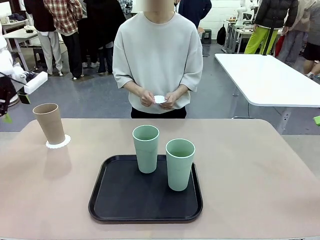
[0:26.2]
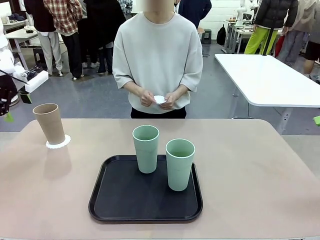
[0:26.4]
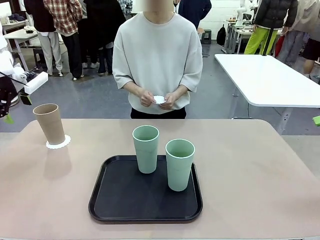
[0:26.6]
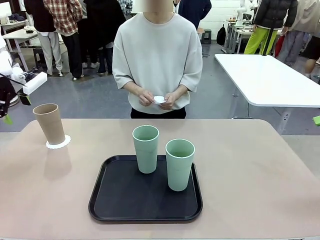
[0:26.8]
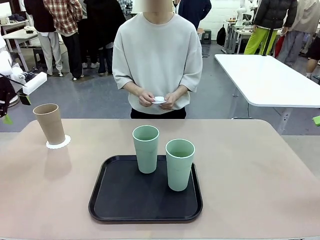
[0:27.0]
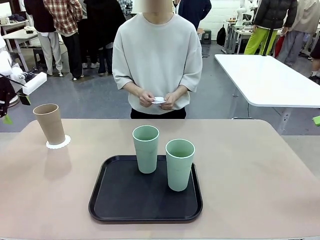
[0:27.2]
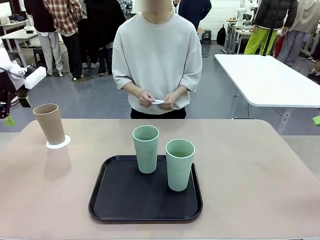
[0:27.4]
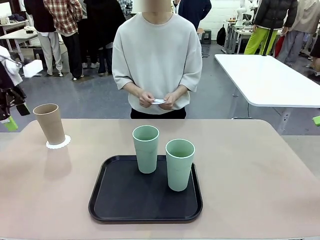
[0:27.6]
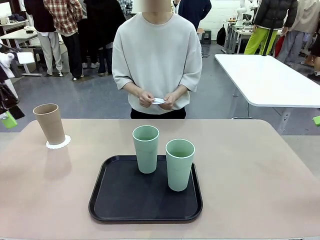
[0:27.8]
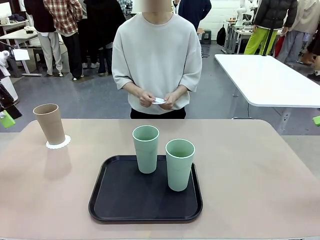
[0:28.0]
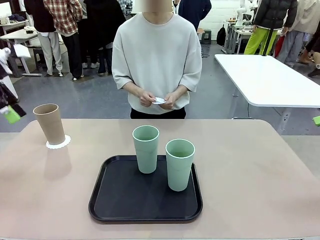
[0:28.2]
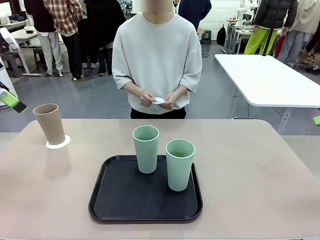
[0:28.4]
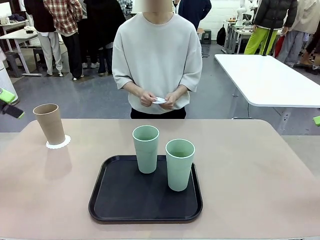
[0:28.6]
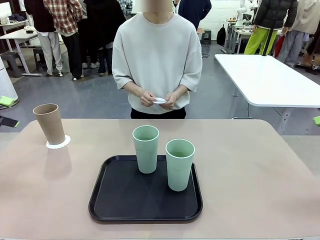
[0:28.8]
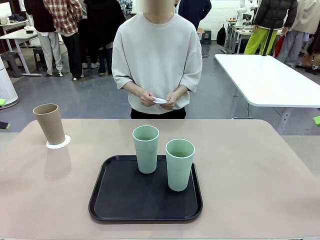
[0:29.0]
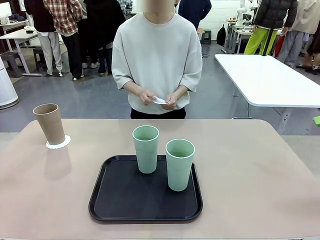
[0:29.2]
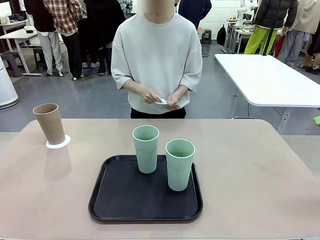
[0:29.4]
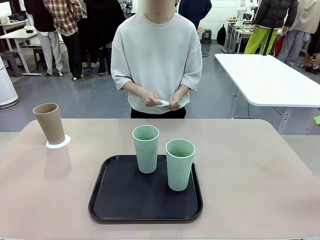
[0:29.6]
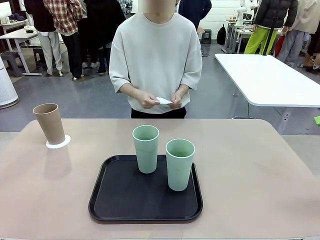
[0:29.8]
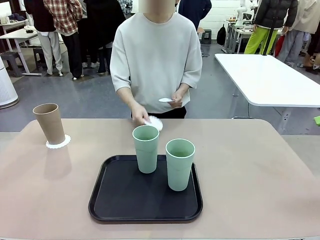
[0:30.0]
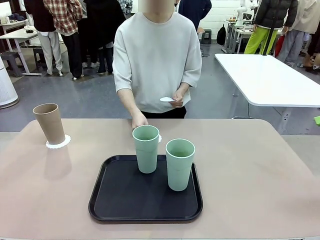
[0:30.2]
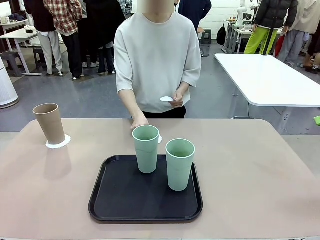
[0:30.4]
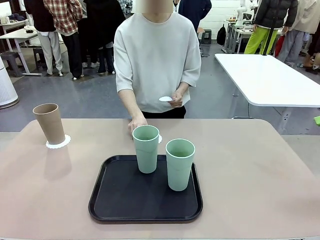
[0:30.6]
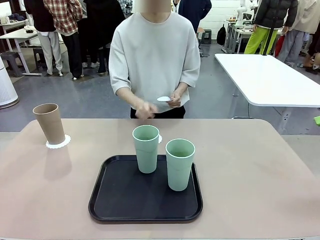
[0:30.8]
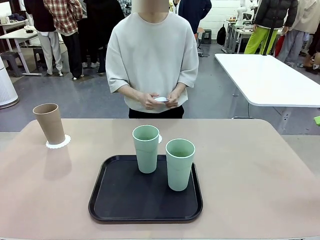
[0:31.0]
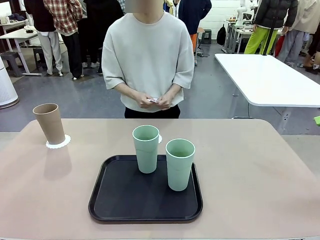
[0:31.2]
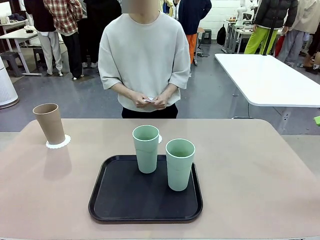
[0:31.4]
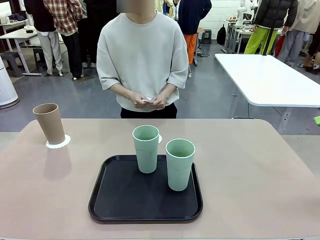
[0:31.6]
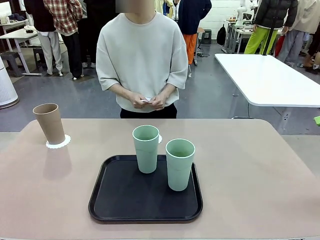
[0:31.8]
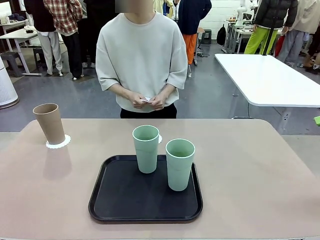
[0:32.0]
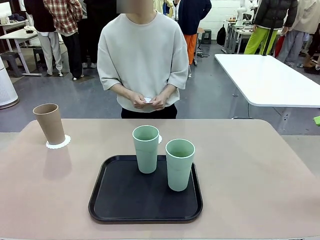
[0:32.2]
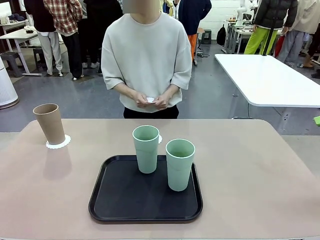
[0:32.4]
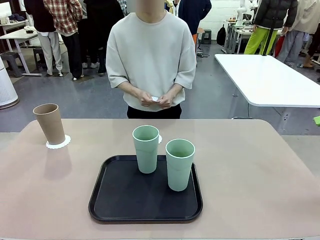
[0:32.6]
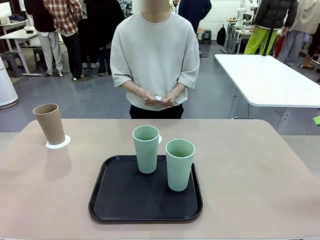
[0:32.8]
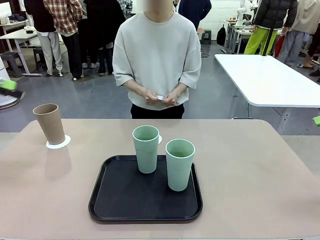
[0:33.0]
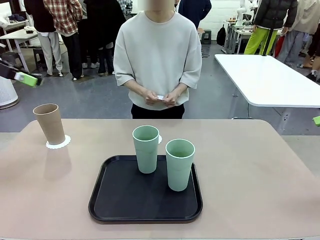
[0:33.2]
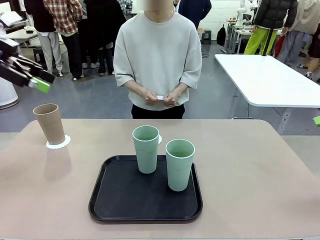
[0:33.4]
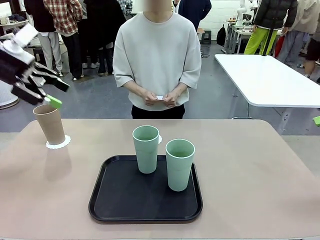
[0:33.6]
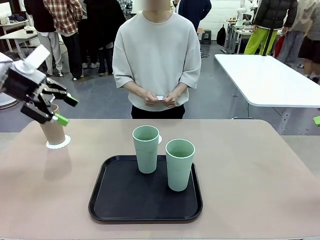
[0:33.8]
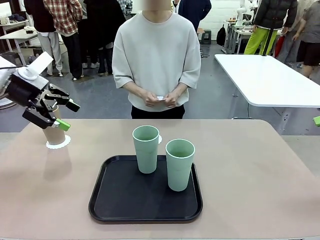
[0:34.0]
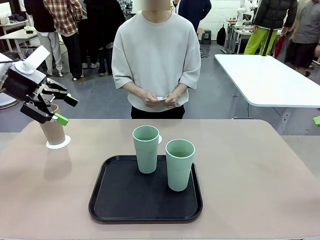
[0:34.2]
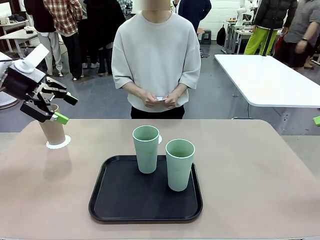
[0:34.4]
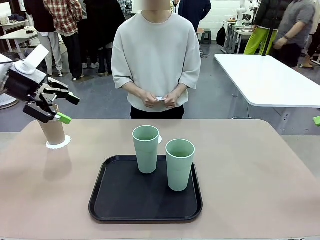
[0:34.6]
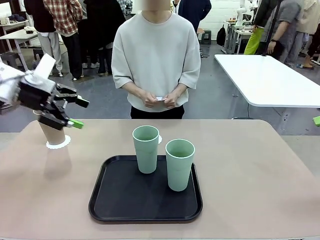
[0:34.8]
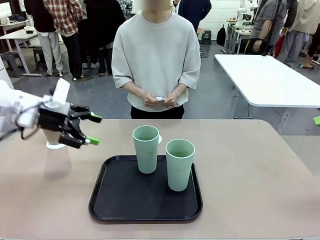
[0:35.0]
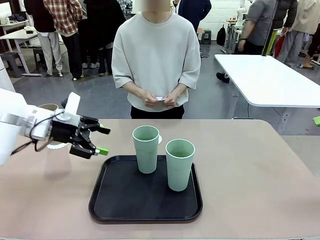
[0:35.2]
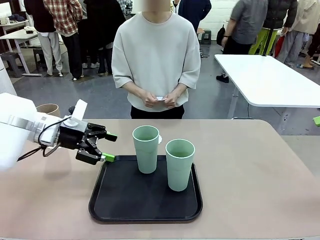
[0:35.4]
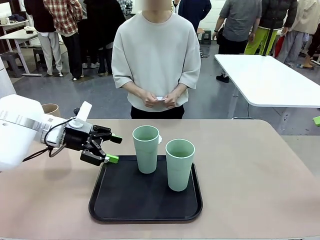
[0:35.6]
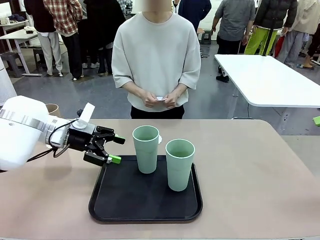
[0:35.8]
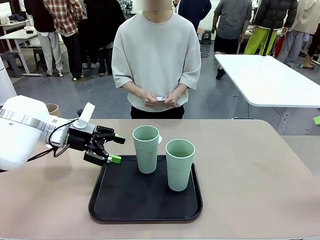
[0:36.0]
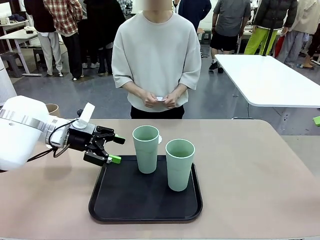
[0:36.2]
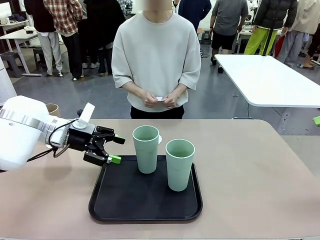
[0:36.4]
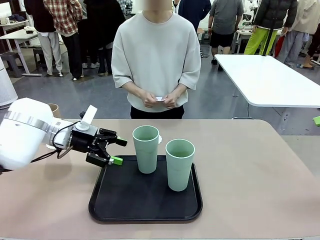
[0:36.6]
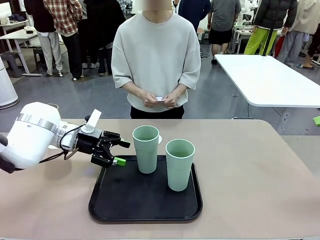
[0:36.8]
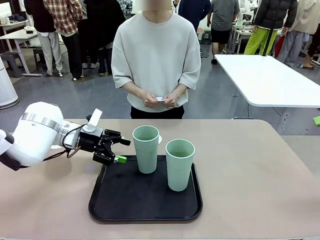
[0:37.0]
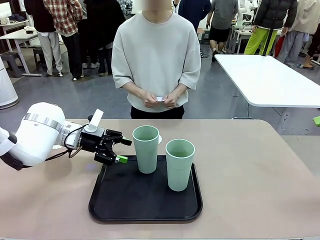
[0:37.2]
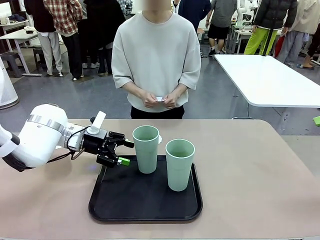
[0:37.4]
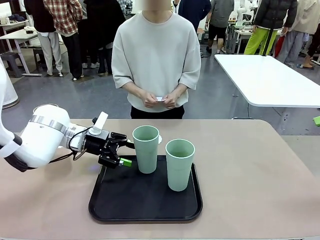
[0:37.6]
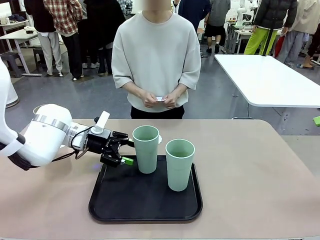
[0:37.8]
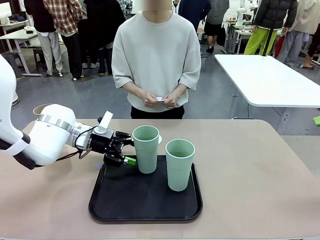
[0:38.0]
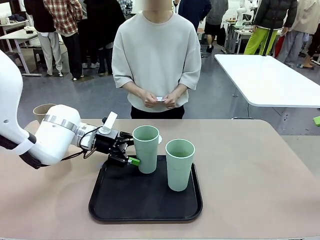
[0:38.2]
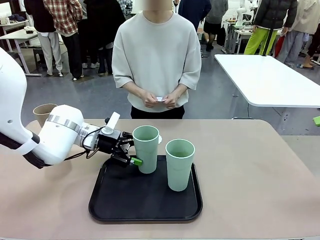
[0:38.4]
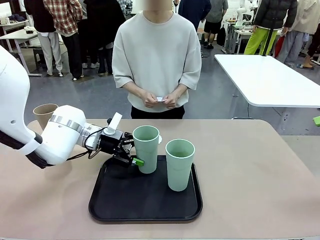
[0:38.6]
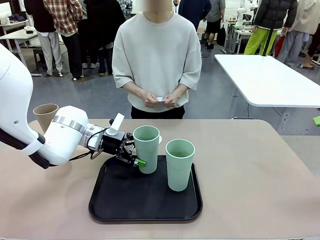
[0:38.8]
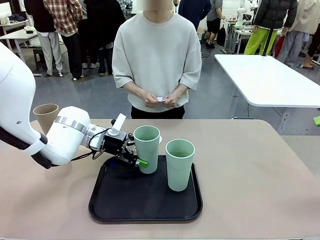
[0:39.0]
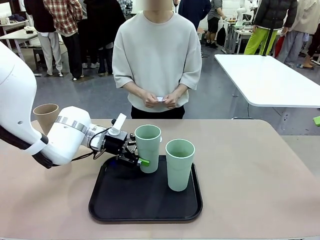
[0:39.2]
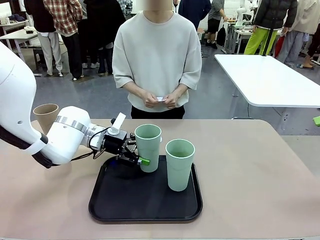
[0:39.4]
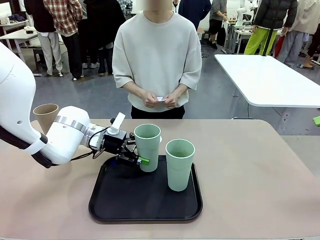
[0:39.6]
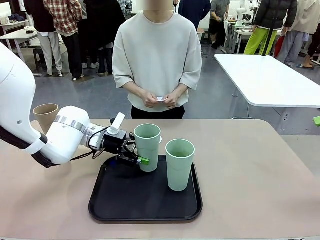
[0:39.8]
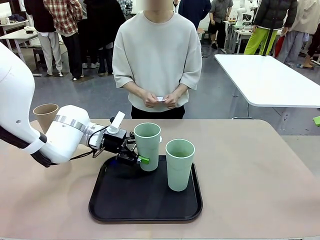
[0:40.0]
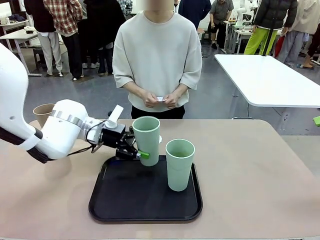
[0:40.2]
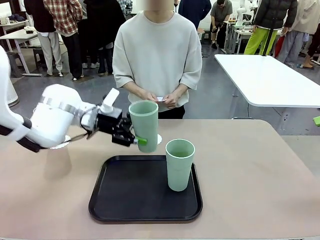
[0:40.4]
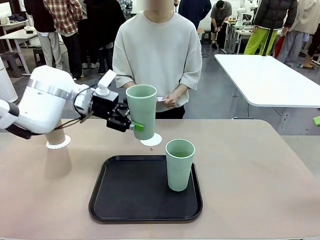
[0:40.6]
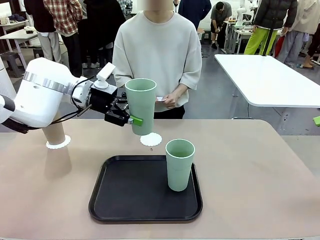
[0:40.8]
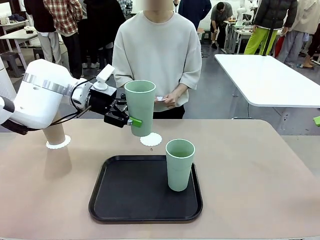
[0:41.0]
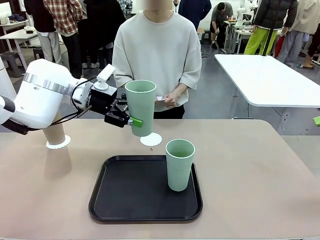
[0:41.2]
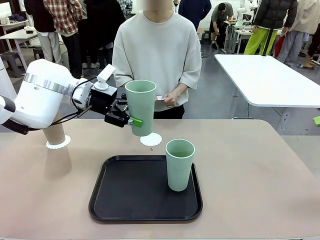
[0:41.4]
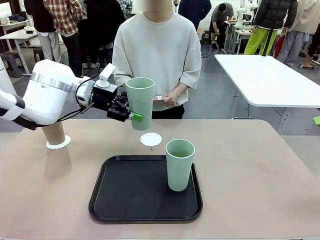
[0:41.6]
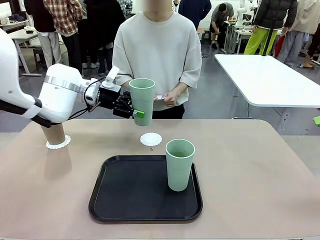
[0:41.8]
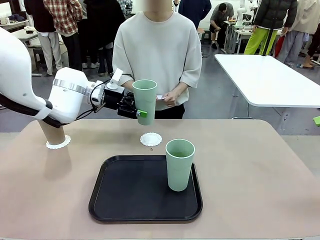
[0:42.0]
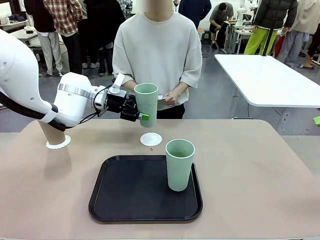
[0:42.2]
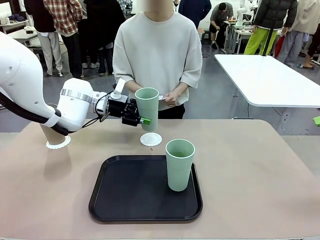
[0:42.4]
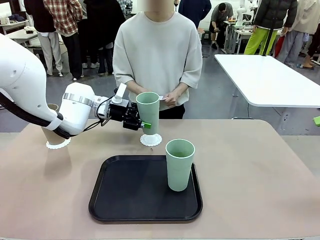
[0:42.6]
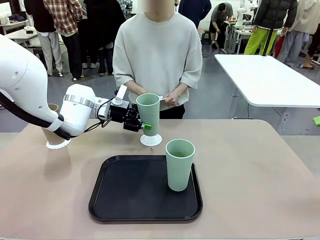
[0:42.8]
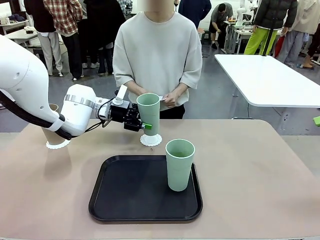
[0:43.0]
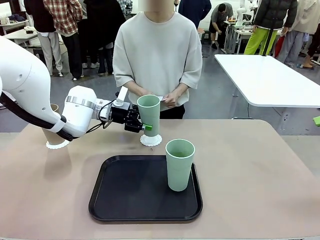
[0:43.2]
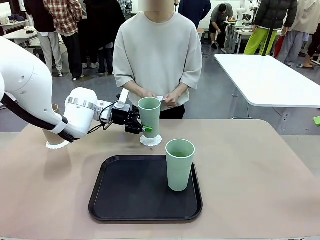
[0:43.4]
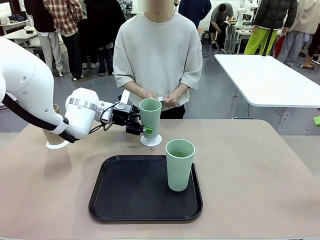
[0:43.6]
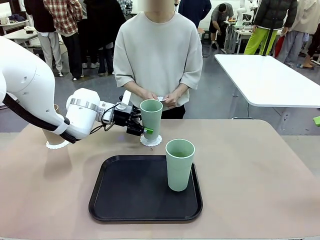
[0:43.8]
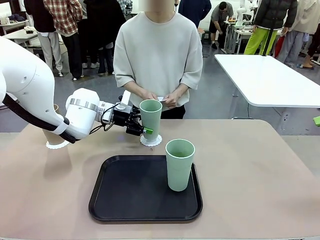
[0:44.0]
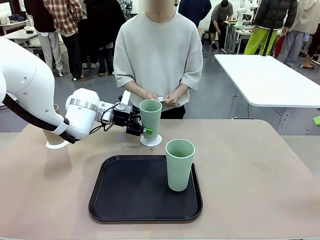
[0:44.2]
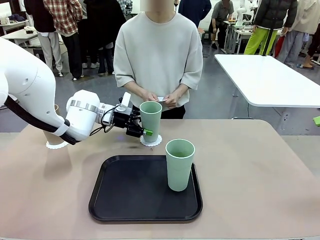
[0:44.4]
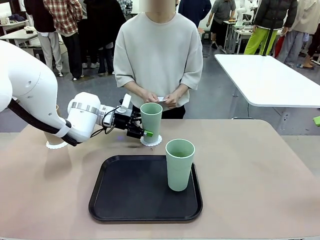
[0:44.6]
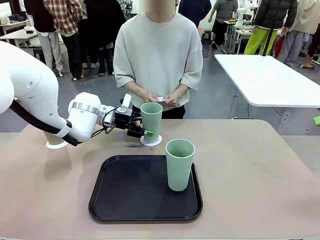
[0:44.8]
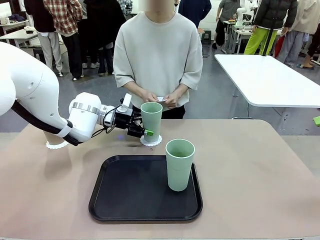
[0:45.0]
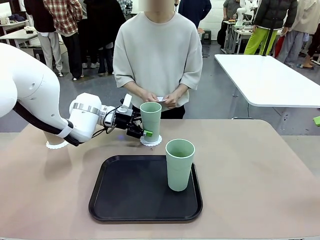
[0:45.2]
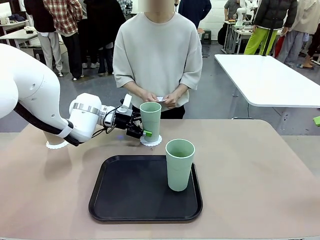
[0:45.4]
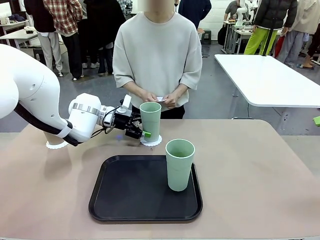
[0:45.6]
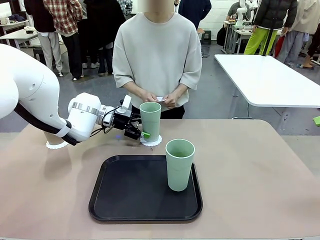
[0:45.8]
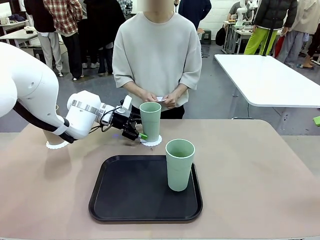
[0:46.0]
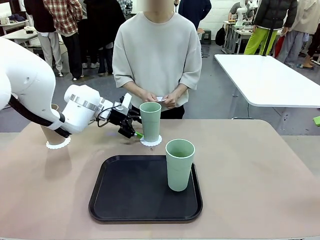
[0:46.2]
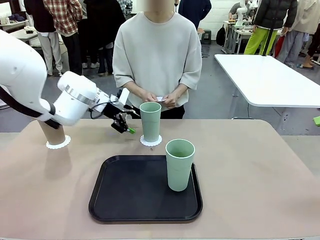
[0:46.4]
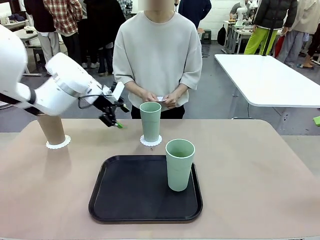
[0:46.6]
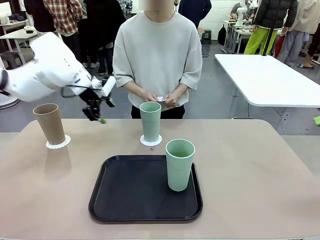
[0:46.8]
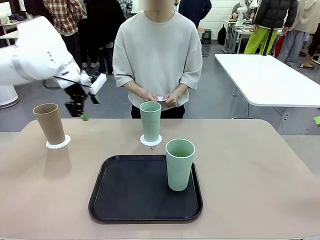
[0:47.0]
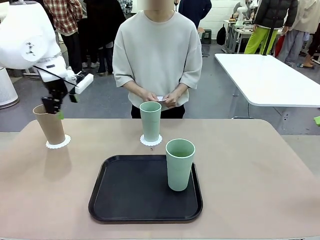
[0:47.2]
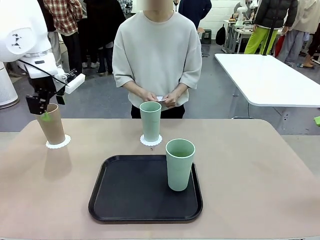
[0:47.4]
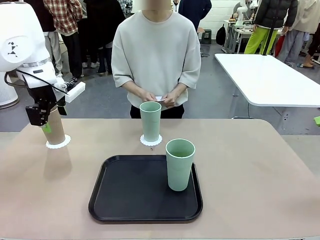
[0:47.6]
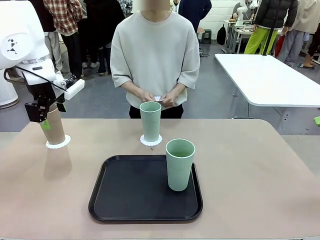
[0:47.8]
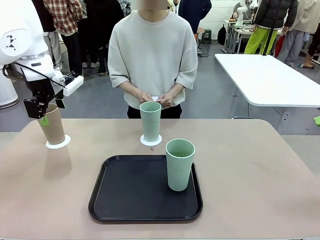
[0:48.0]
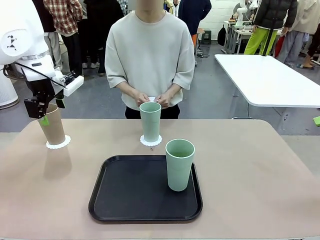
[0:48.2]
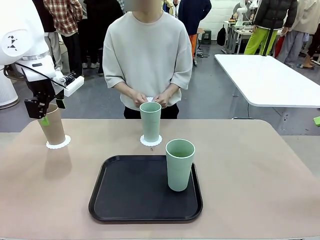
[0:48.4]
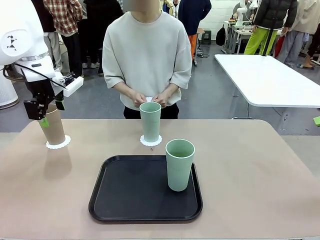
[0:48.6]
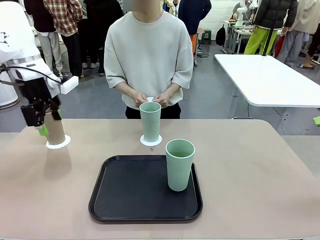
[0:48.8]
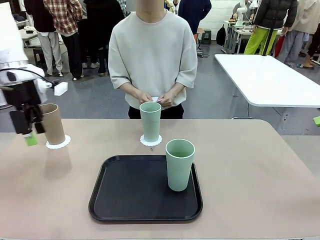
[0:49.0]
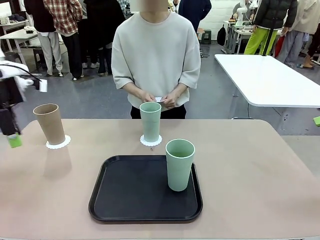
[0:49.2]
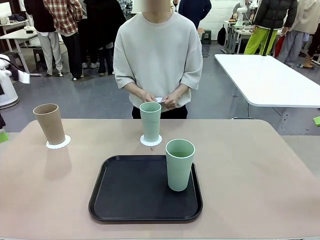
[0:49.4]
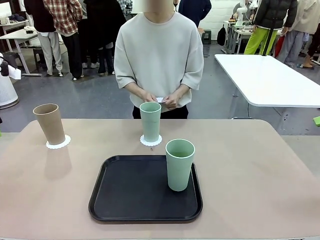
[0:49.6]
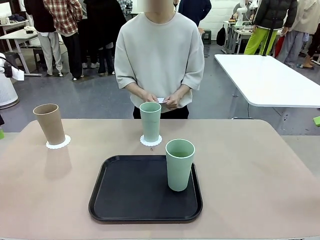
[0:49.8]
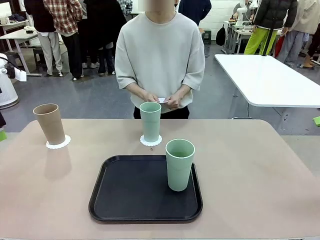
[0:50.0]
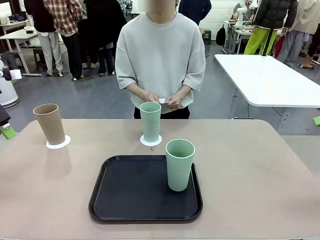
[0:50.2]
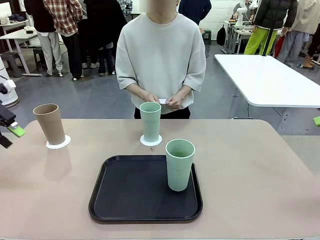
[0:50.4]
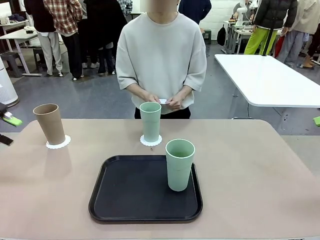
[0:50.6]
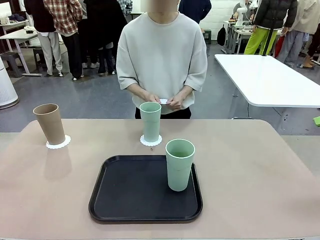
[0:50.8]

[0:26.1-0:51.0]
Task: Place coasters on the table and set cups on them.
Robot: Take one Reusable plastic cup from the Flat Tray and place it on a coaster set by the human.
